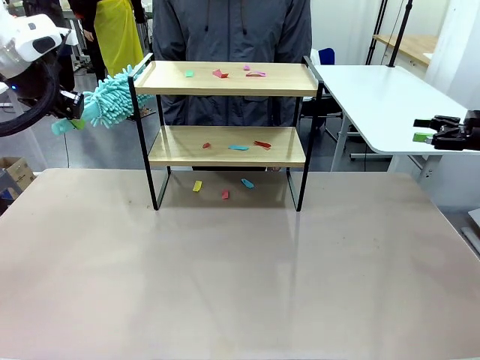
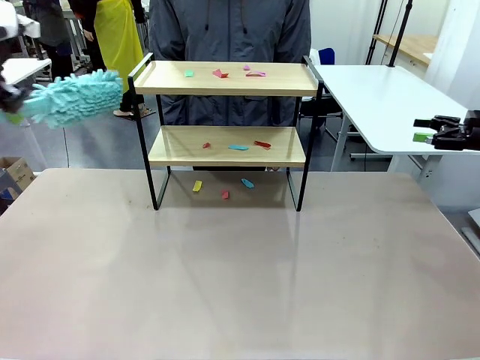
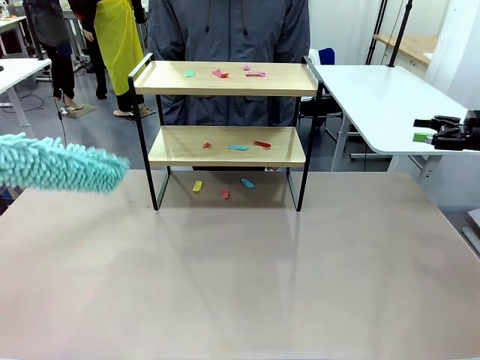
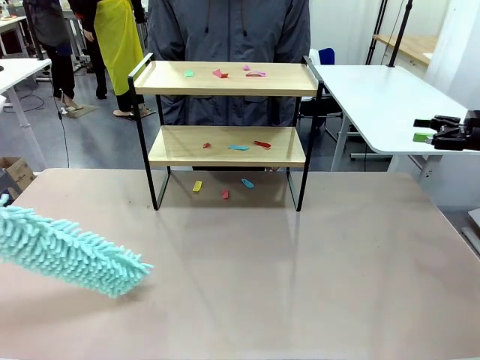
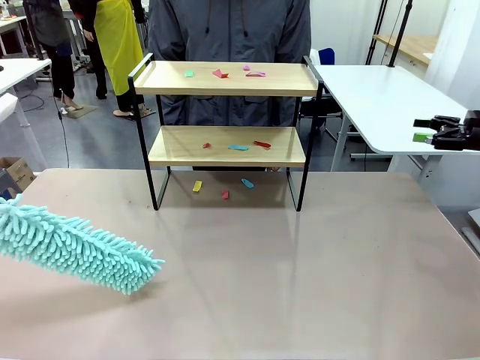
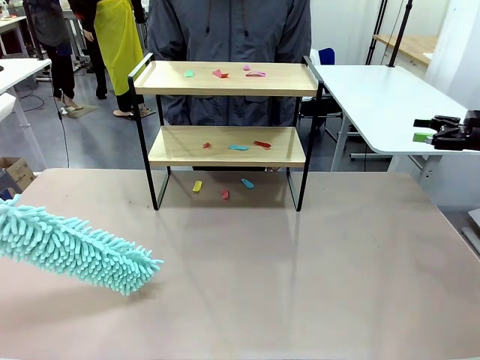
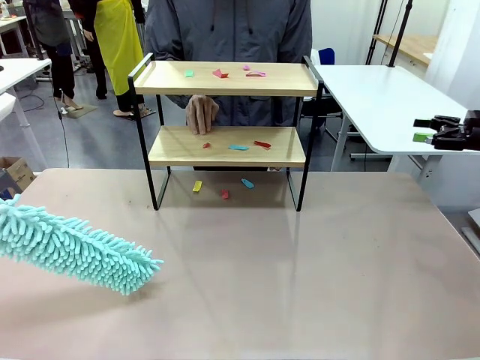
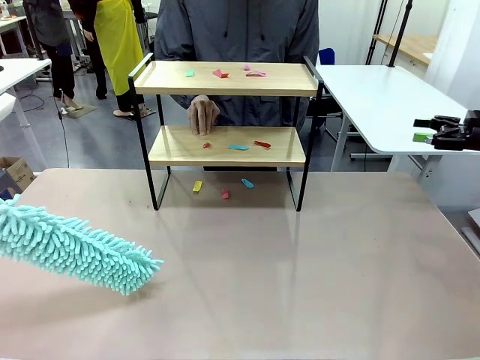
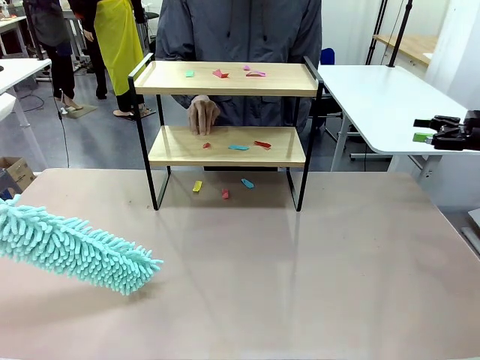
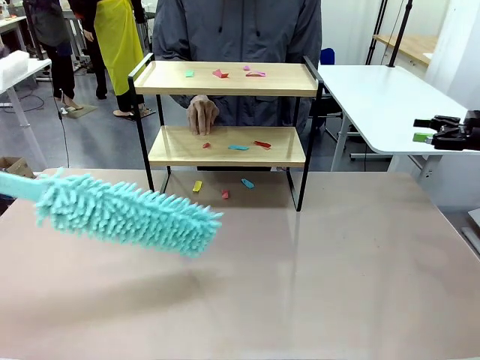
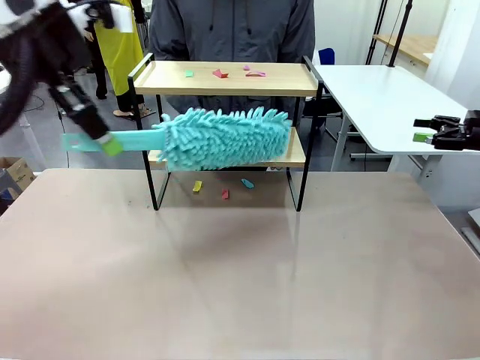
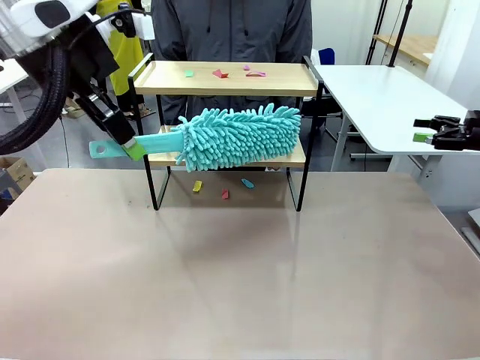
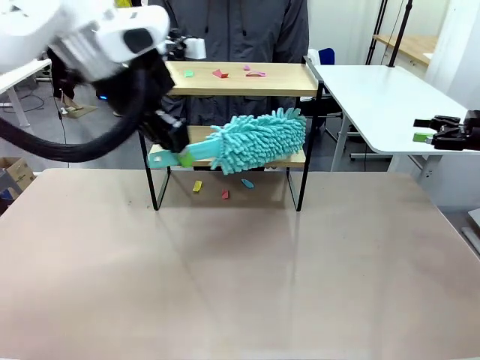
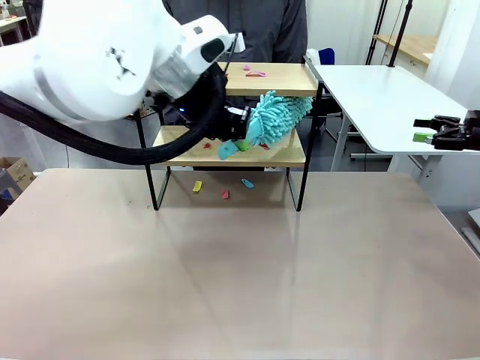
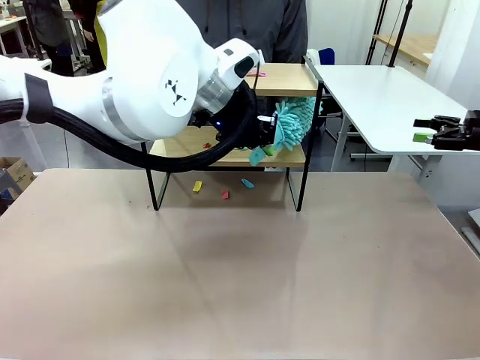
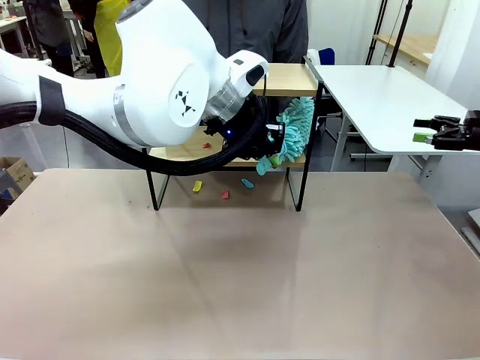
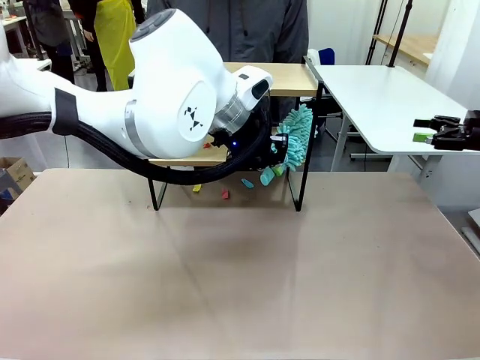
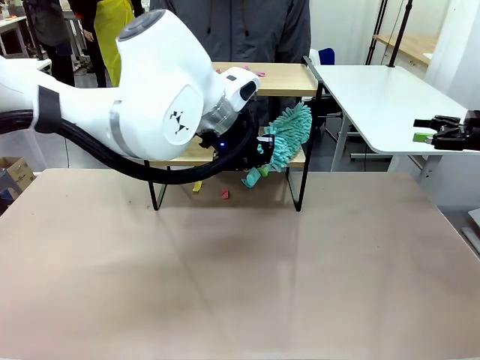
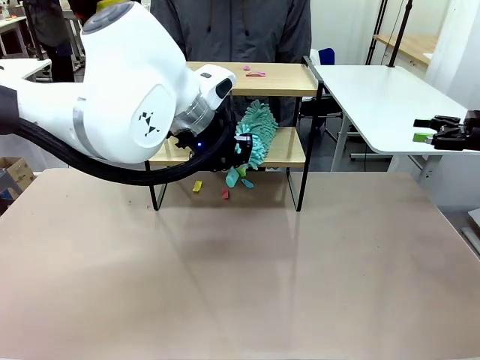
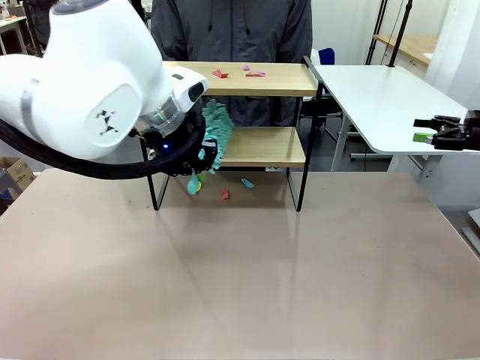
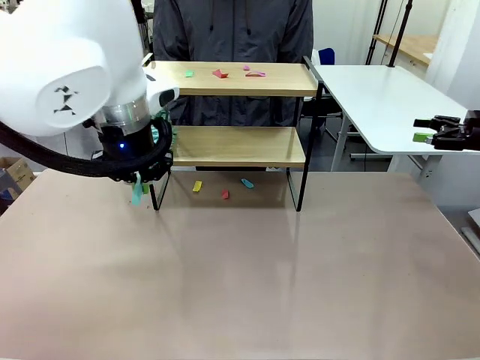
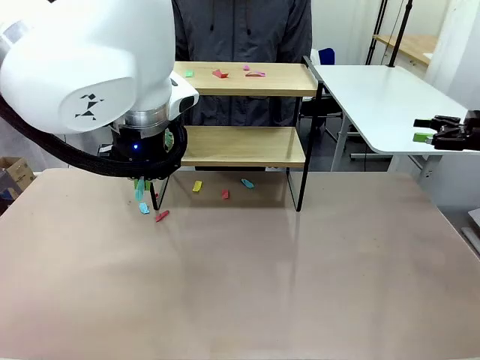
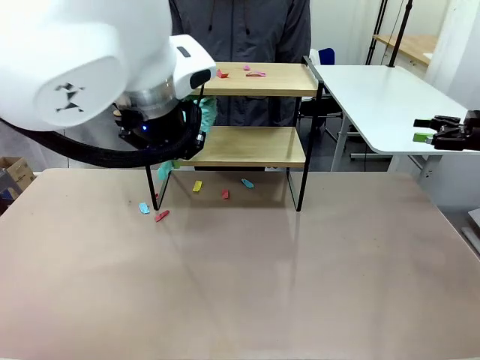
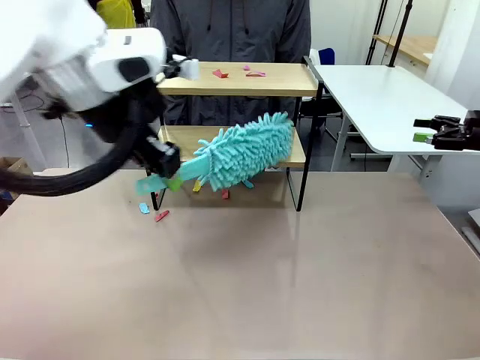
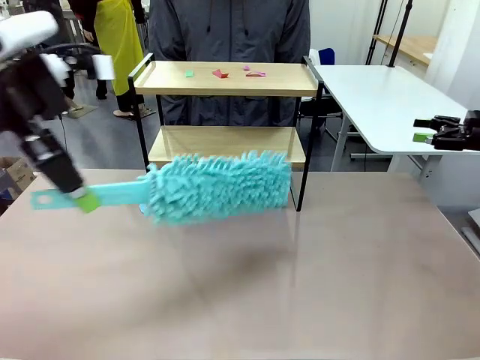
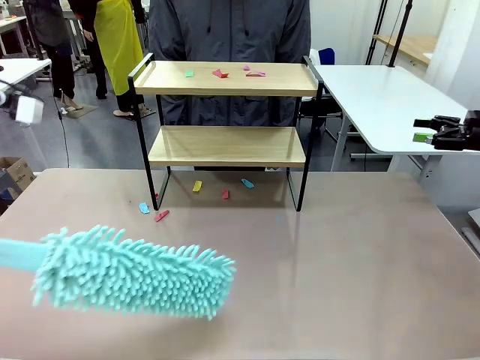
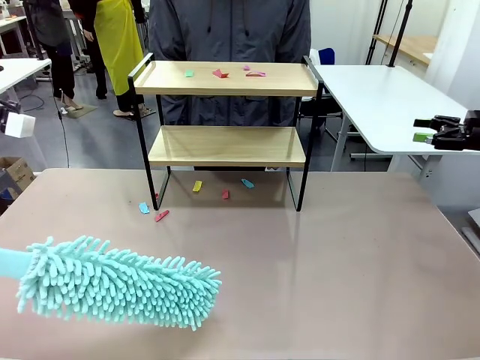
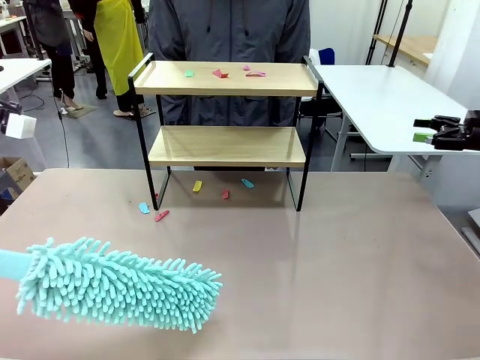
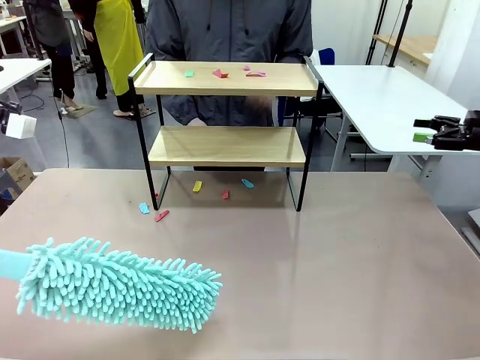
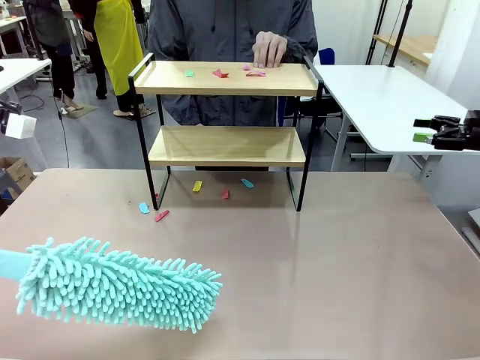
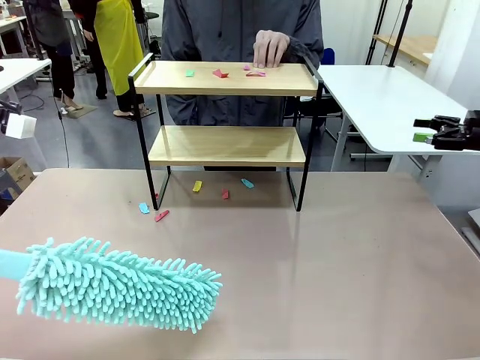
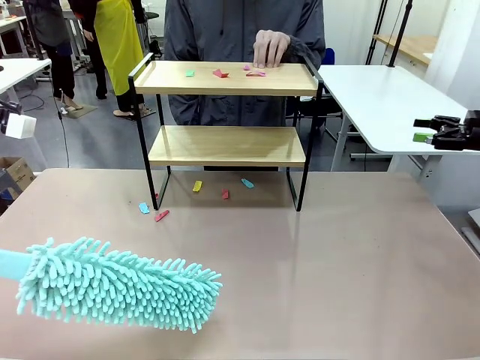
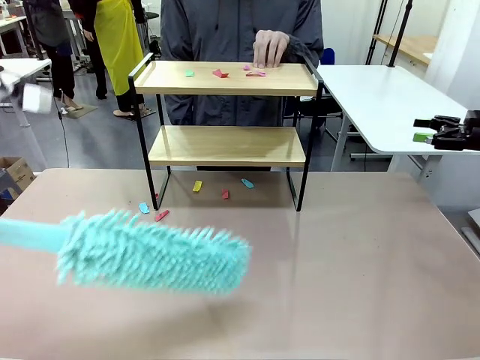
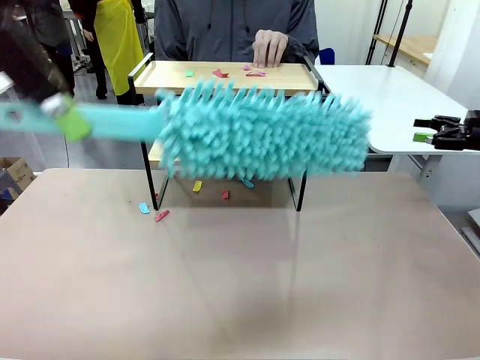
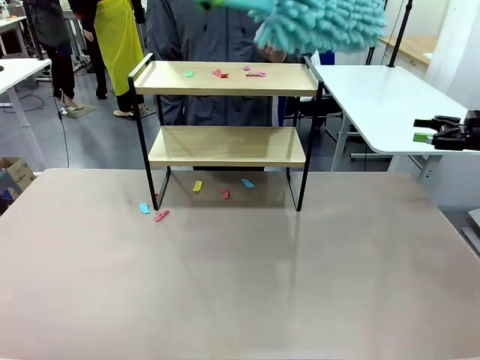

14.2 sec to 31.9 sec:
Task: Clean the shelf.
Robot: Clean the specific section of the Shelf indicated by the human with the Duster.
Person: Point a random section of the Shelf.

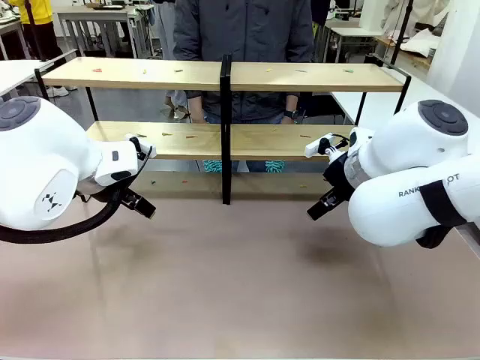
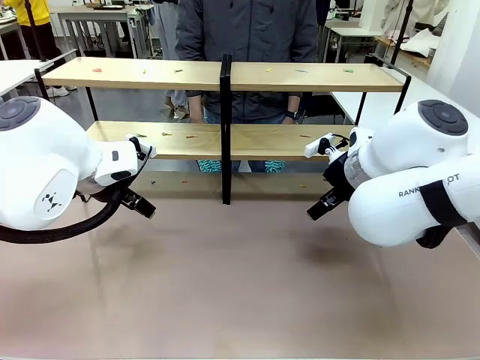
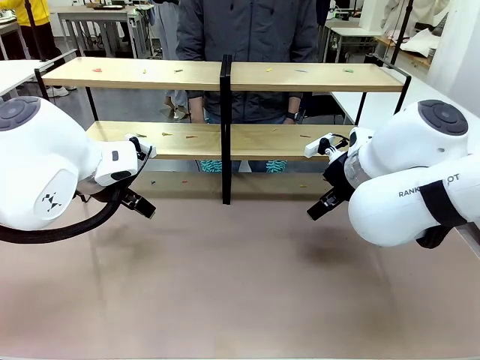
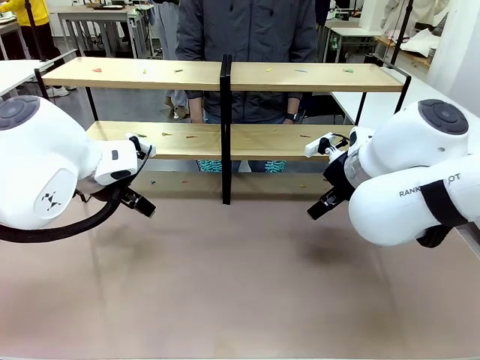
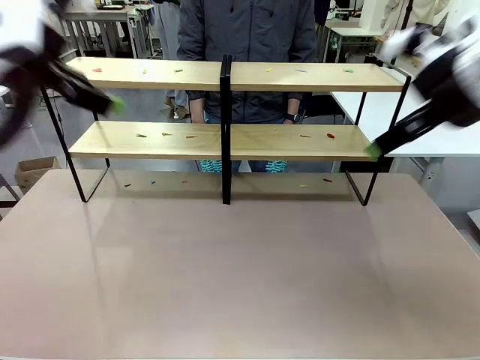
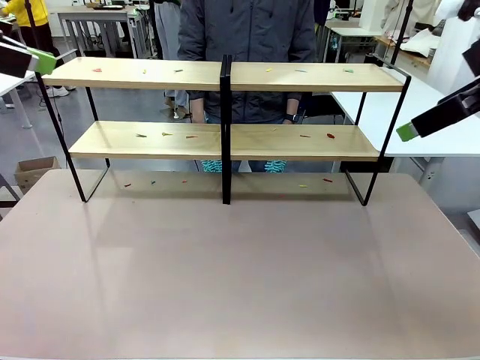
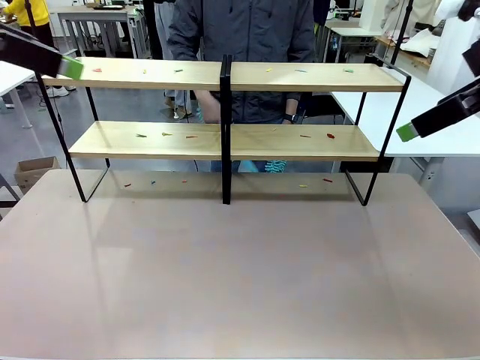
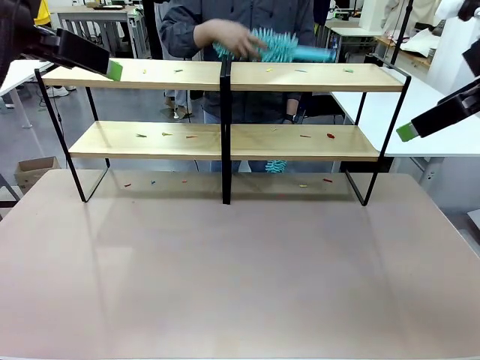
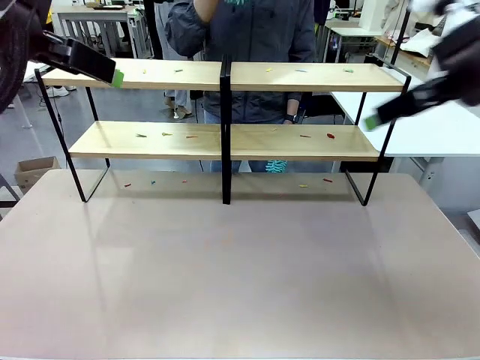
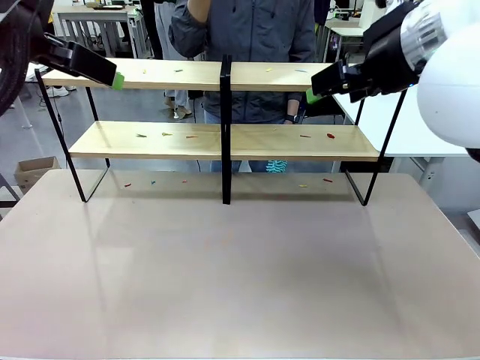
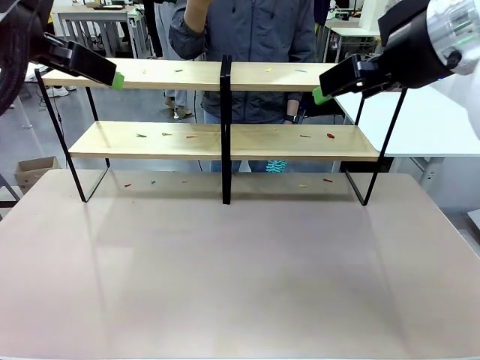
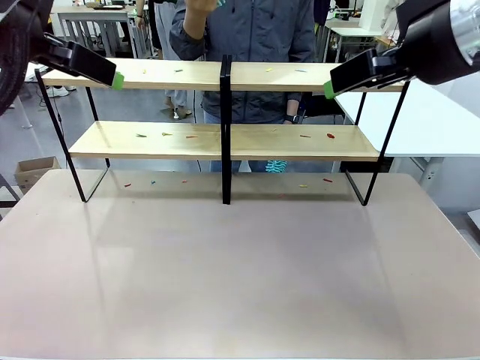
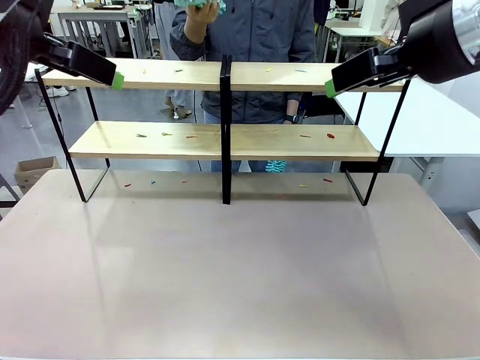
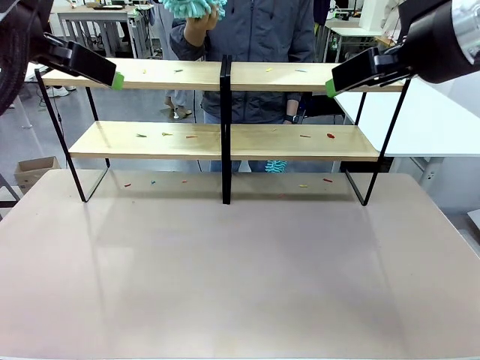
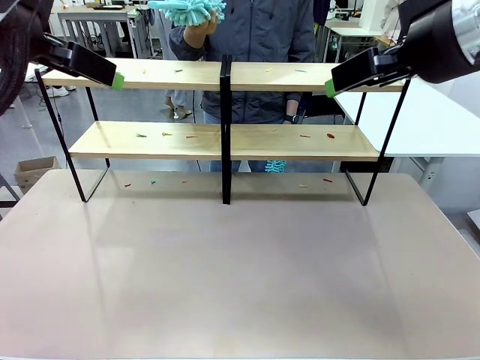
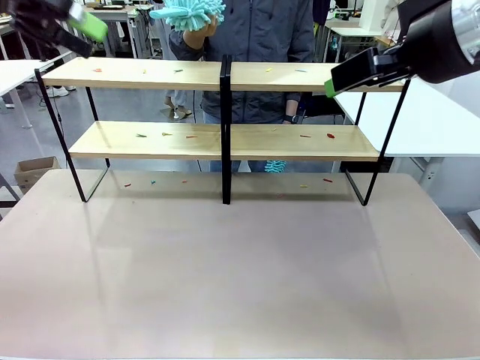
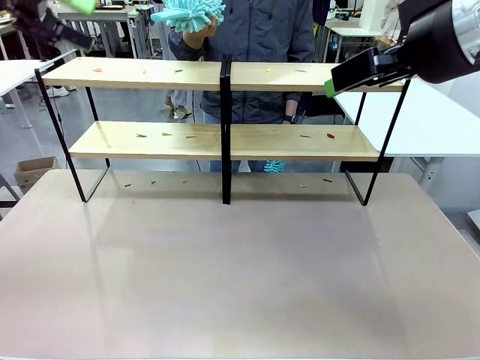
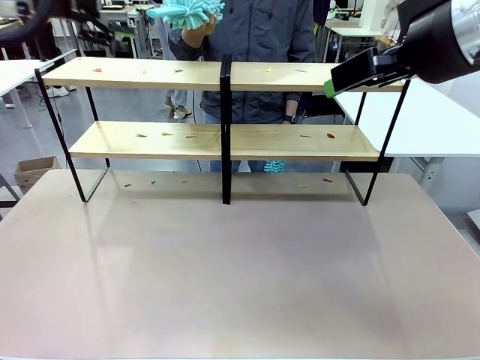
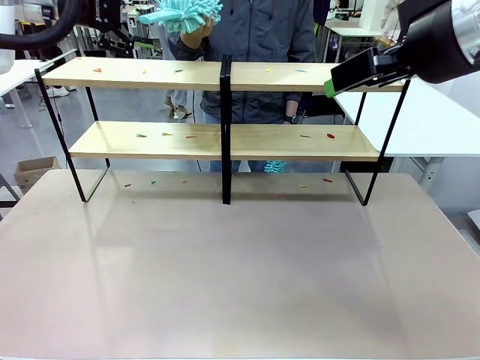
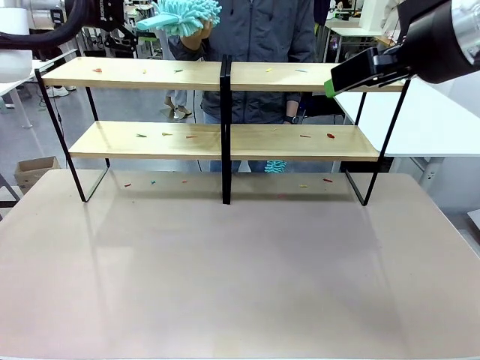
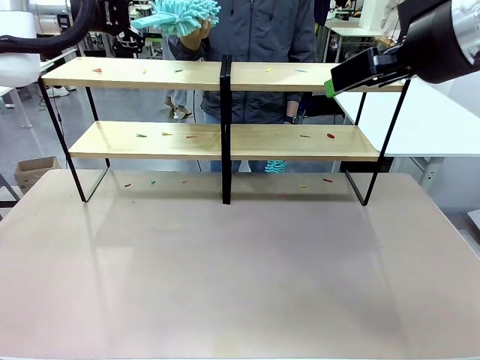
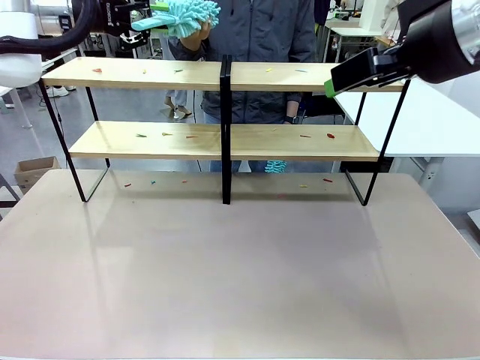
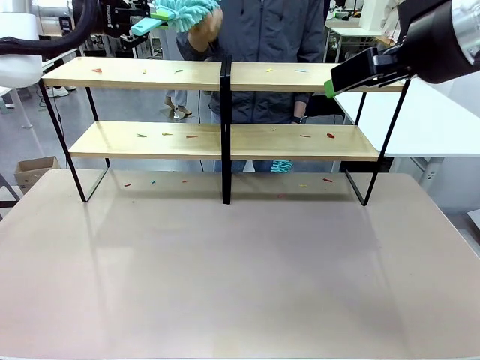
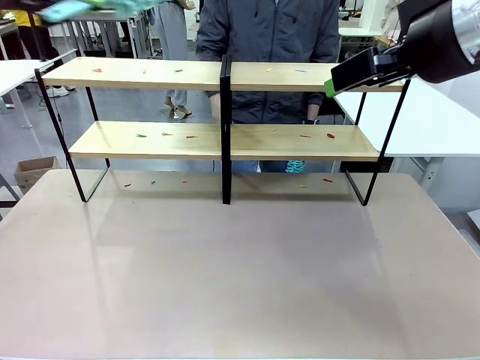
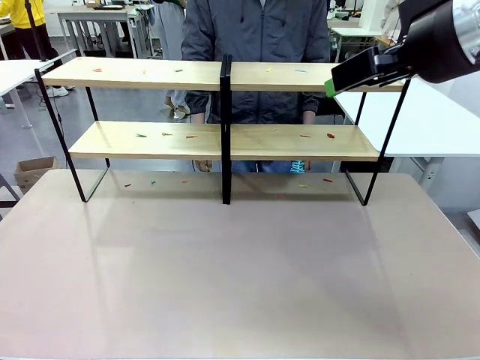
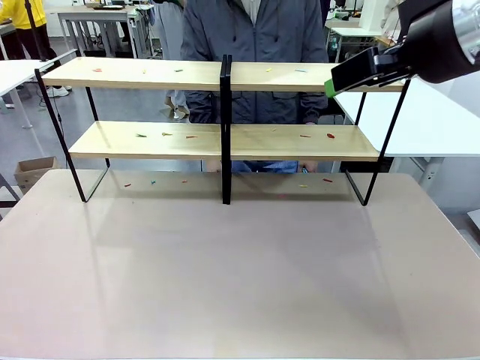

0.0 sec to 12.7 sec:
Task: Clean the shelves.
Robot: Pick up the Duster when the human hands it over.
Person: Hand the Duster to the robot with your right (or left) hand.
